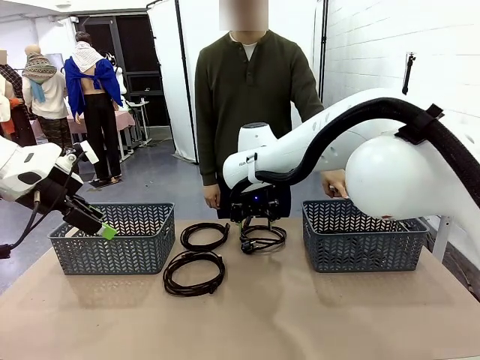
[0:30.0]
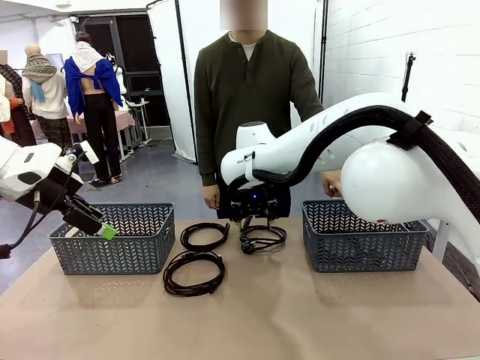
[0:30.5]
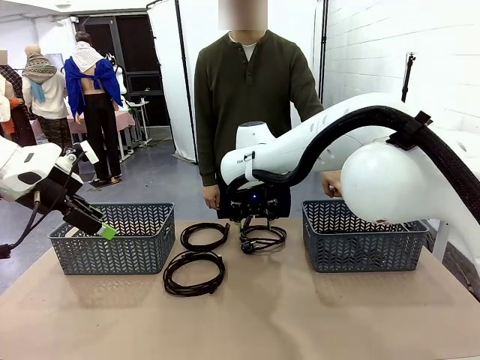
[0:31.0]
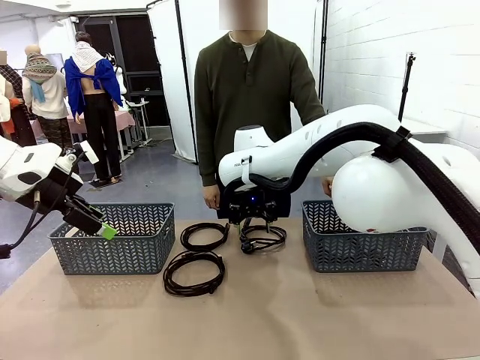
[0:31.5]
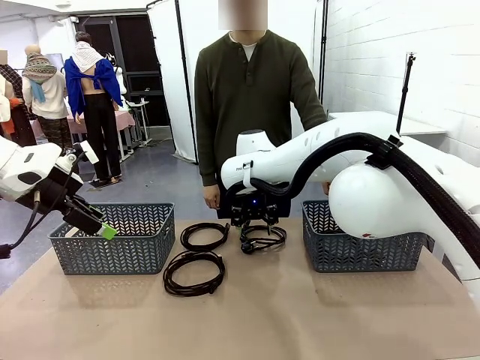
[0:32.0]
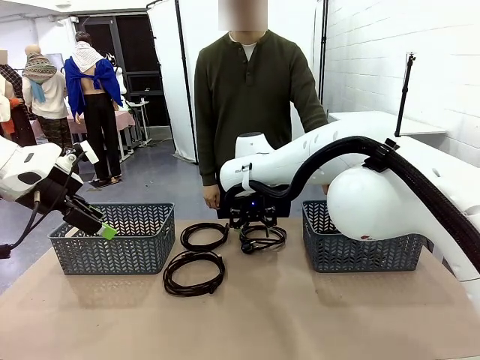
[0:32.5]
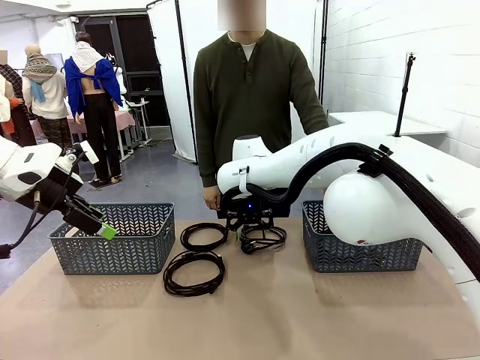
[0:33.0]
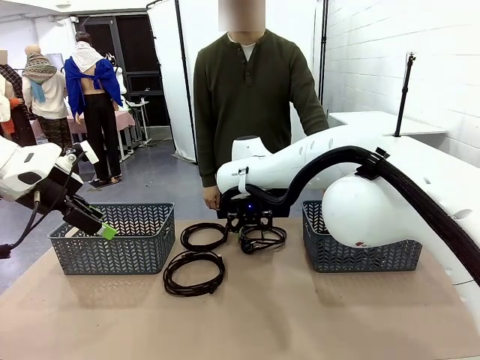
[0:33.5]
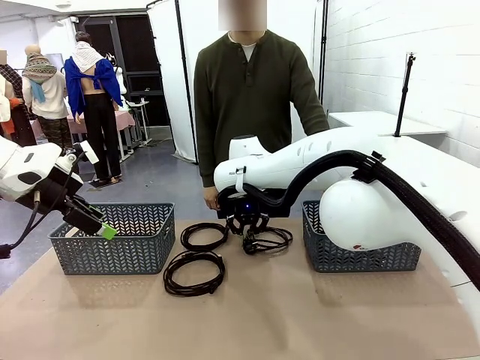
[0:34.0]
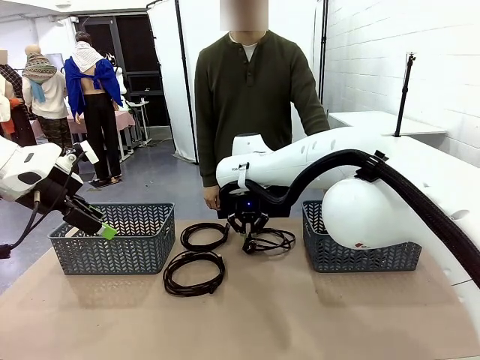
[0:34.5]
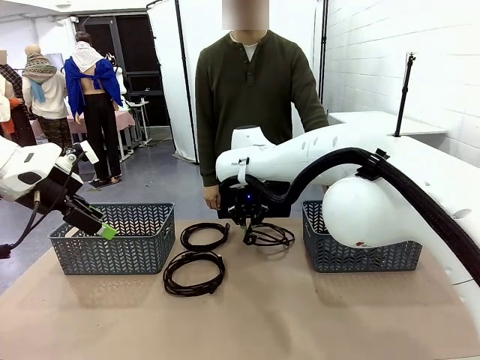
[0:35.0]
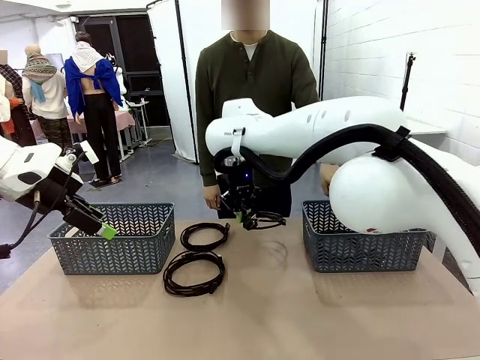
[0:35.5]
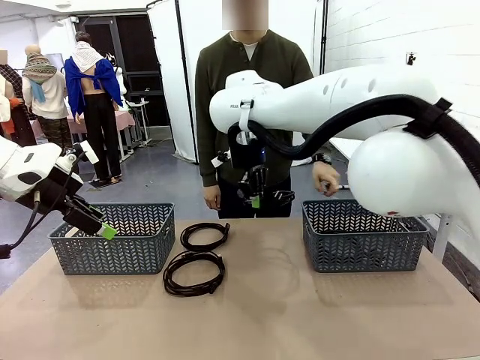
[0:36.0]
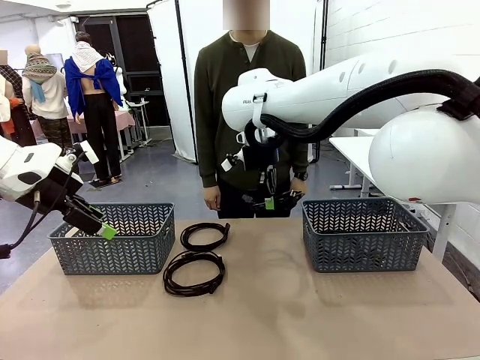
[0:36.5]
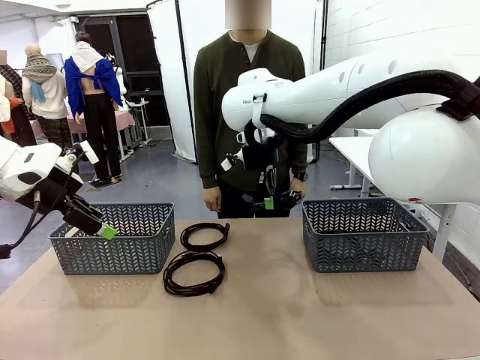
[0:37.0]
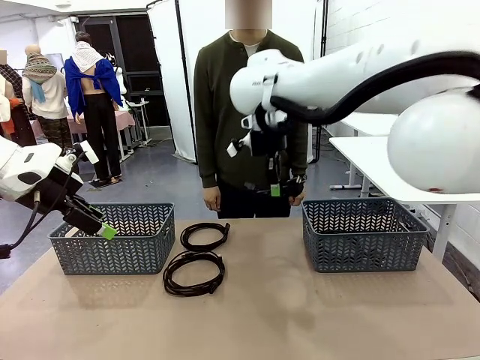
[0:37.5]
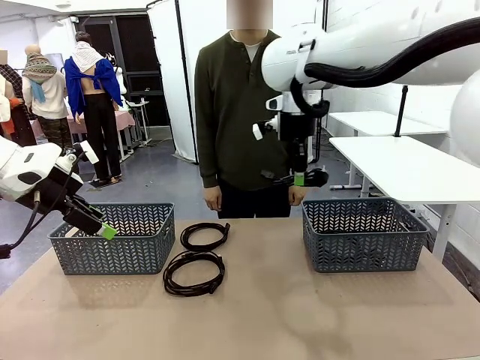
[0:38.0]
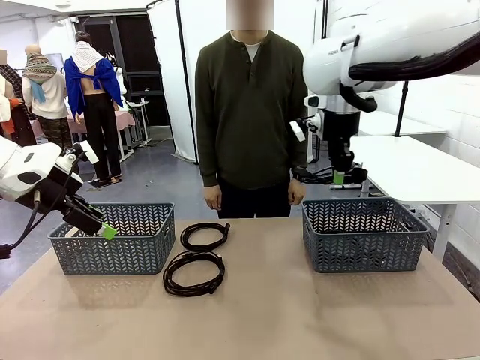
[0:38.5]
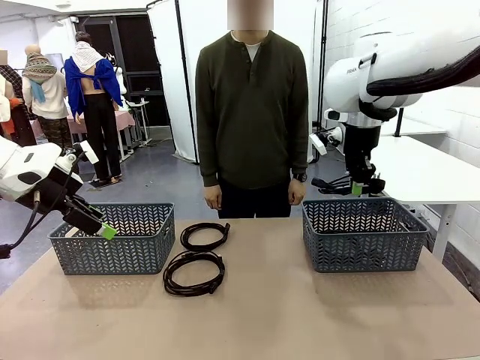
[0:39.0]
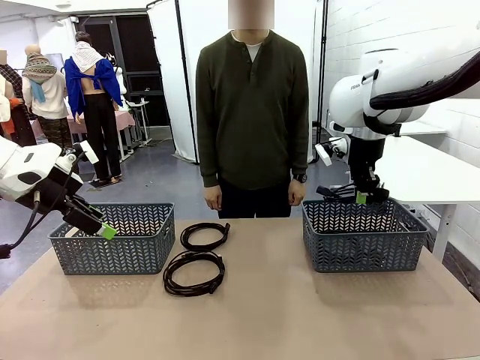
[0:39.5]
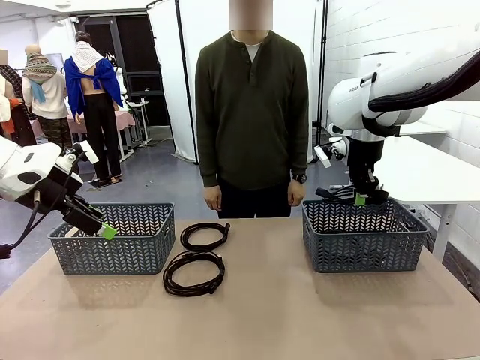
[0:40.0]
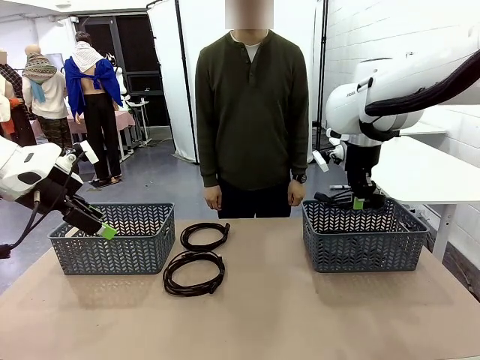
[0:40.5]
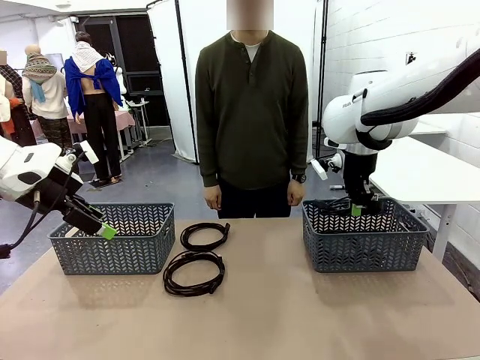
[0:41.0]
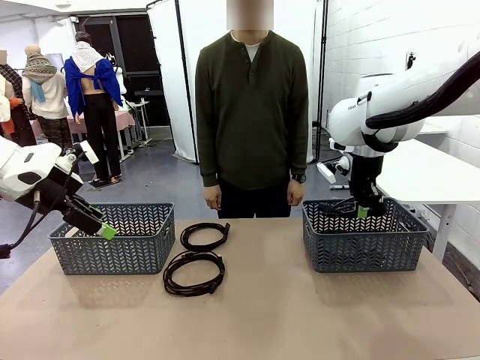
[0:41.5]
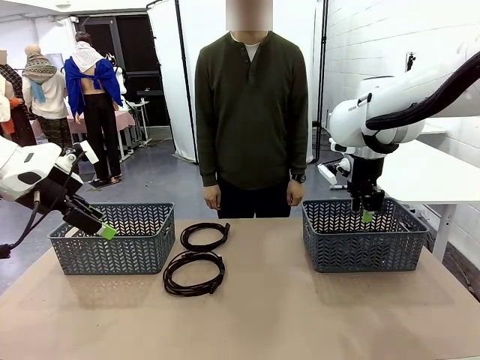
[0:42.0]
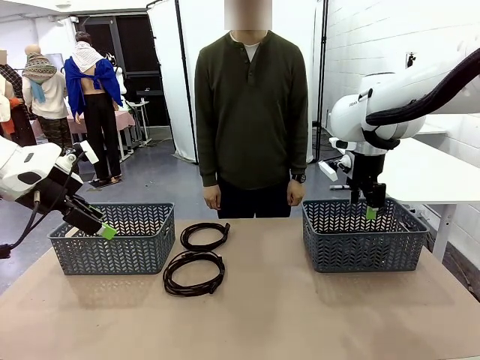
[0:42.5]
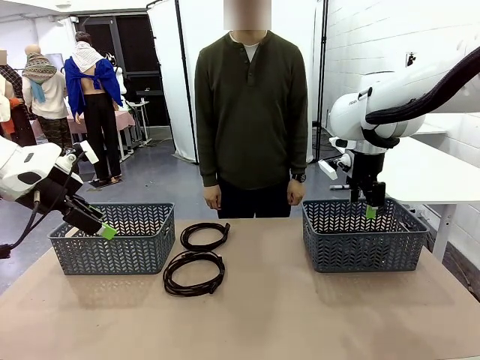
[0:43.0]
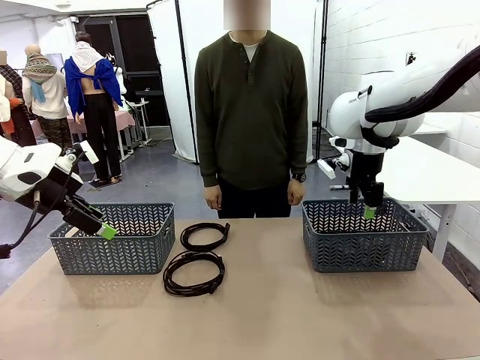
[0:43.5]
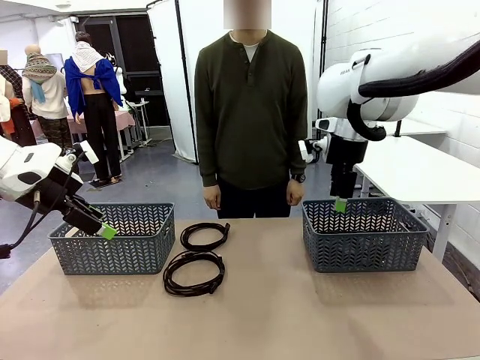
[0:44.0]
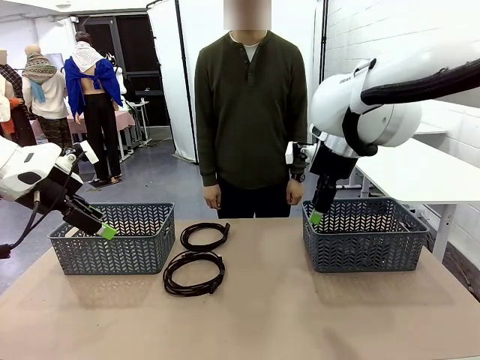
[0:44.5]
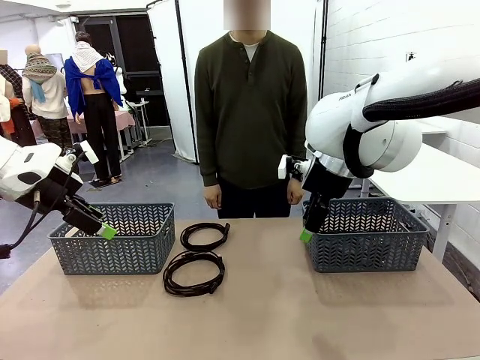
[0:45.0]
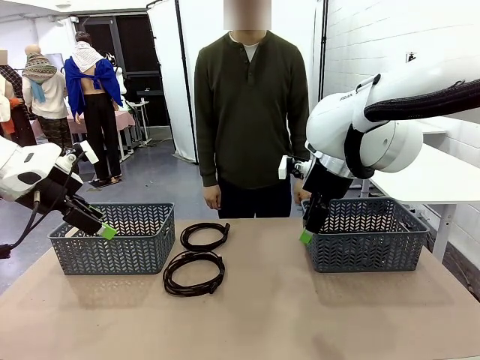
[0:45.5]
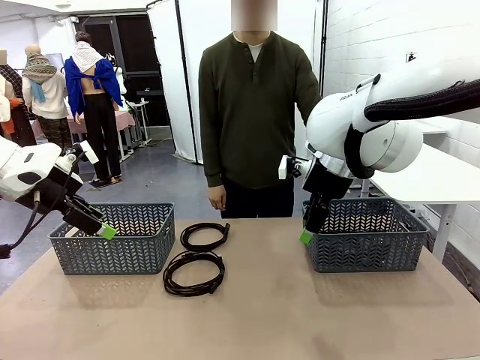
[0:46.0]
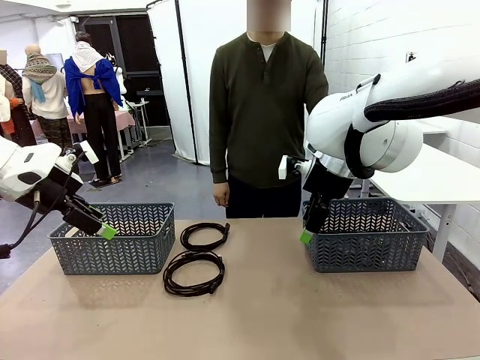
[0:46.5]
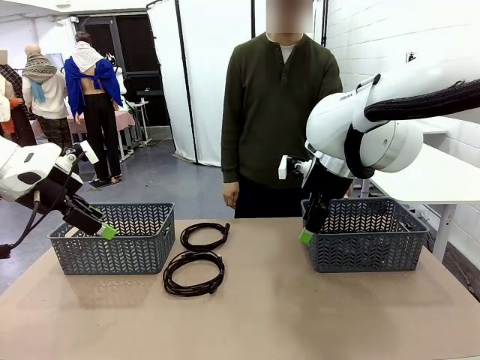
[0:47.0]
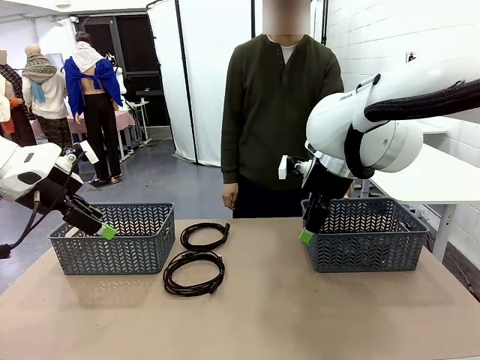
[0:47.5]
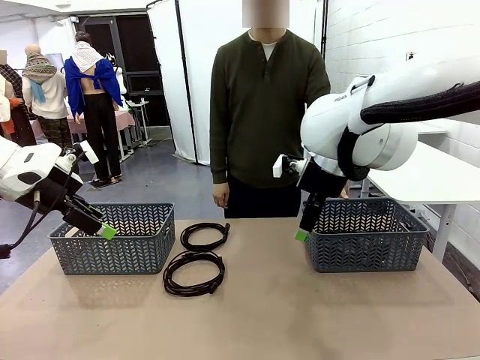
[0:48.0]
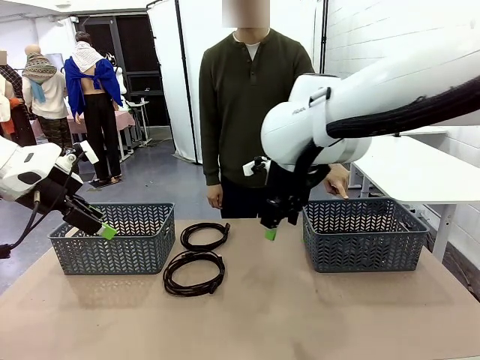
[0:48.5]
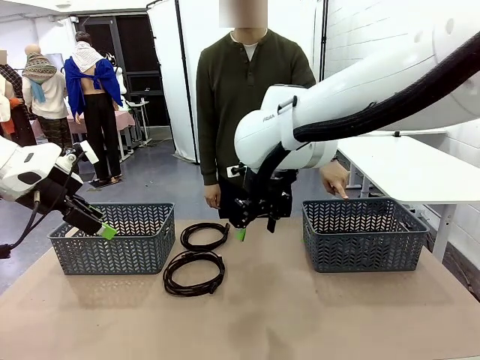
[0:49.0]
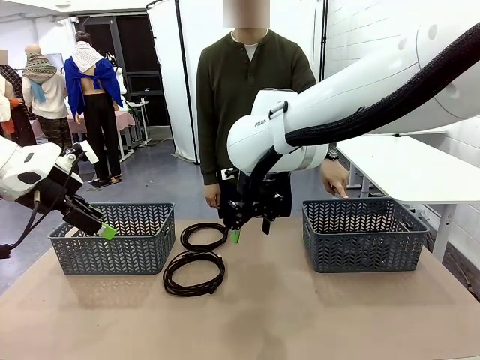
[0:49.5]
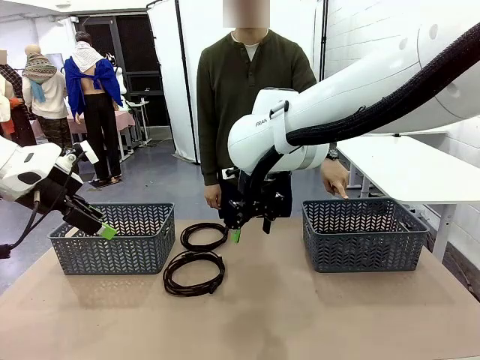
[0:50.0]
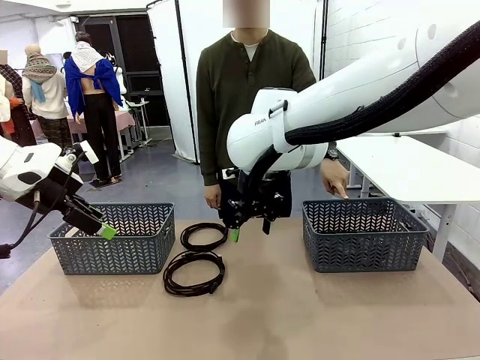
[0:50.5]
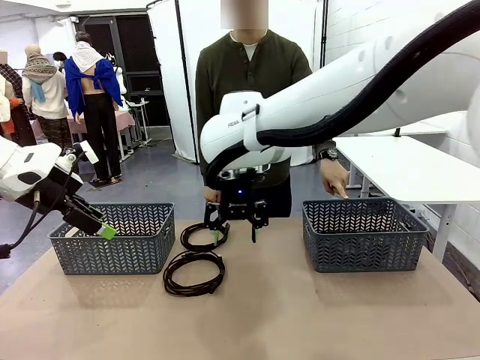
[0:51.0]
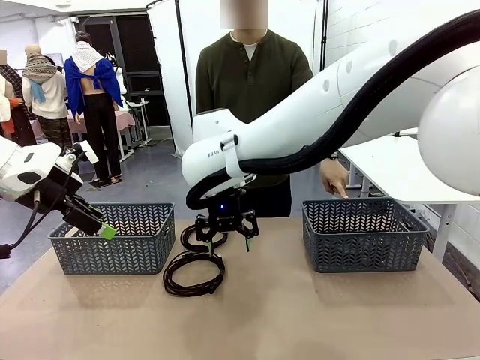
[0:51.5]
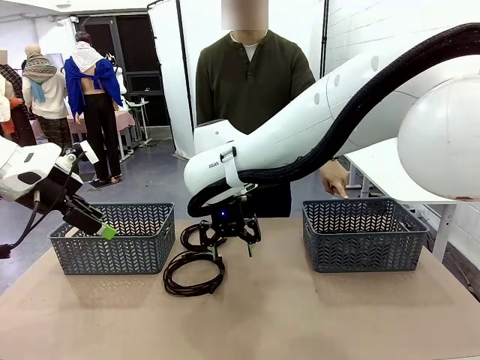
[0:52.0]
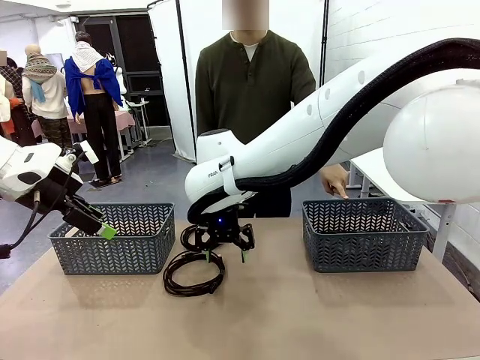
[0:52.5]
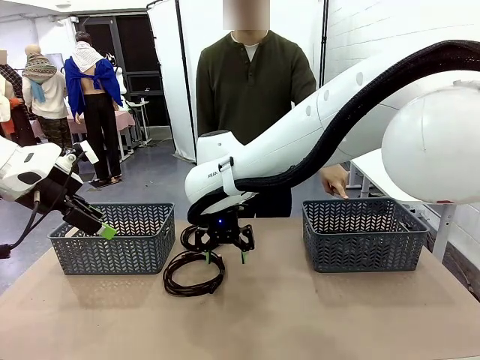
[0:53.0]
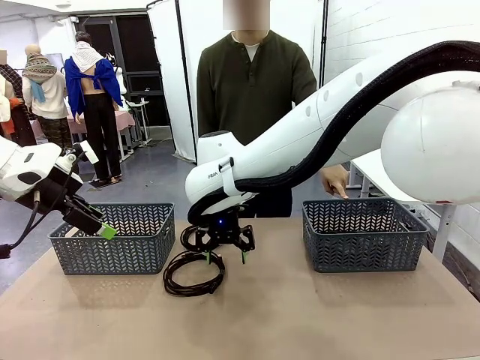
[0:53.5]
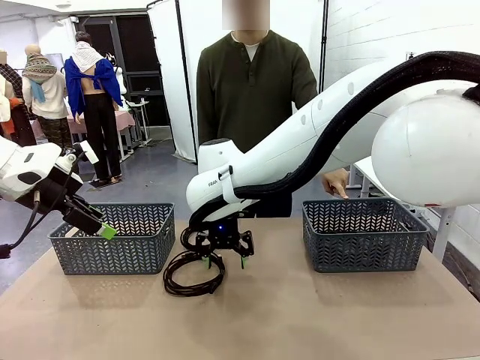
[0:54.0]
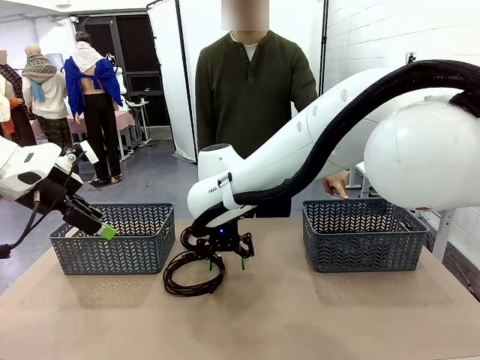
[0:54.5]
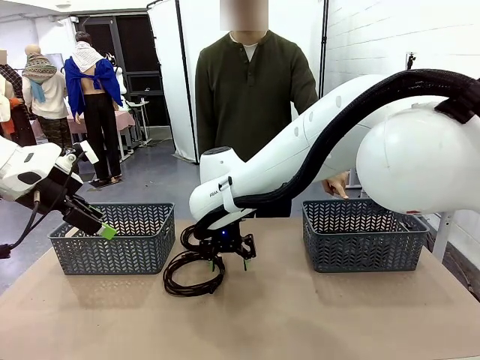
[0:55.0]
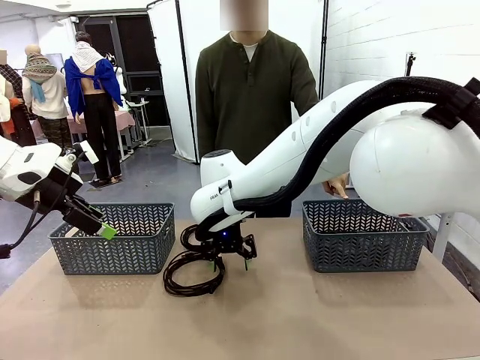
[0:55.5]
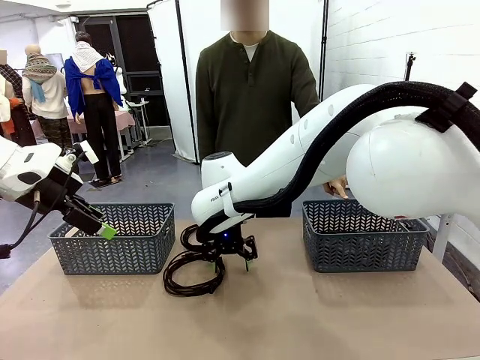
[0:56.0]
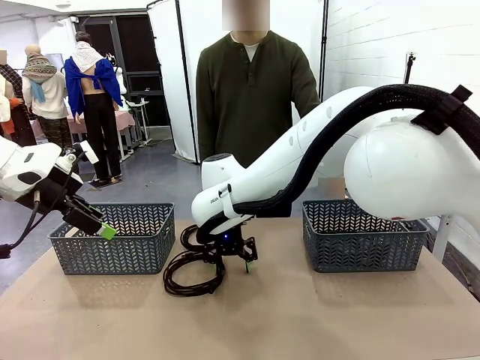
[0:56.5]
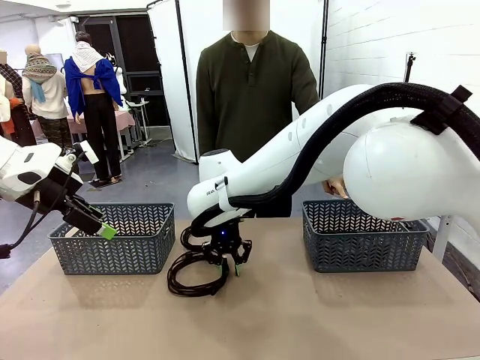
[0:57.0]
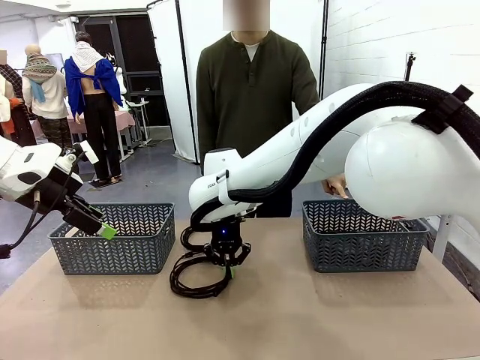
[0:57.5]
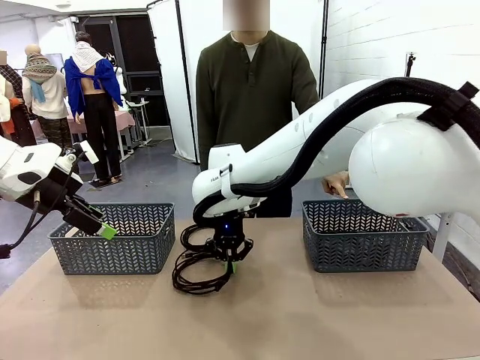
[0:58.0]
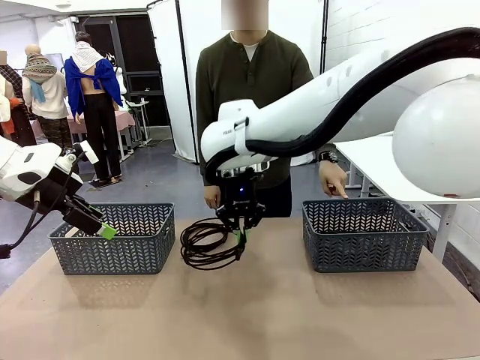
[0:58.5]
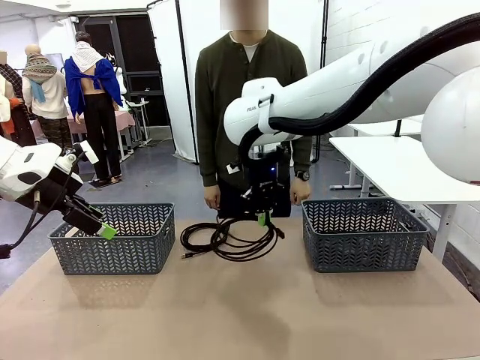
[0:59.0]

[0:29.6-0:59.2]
Task: Organize the cables according to human instructions.
Robot: Pick up a bundle of cables and place it in the basket indicated by the human.
